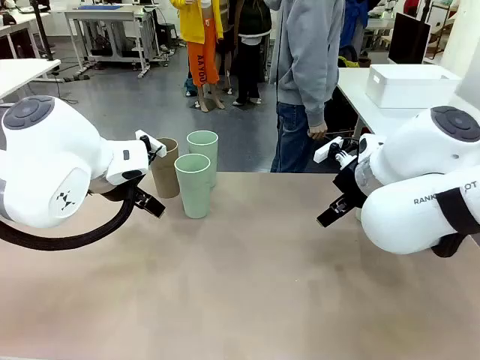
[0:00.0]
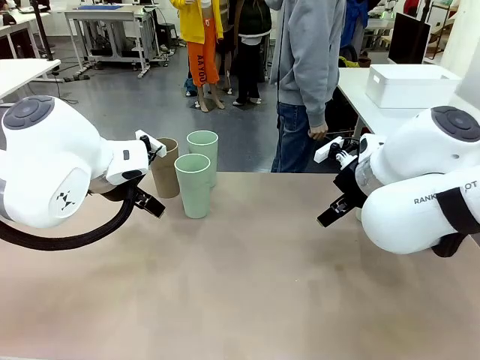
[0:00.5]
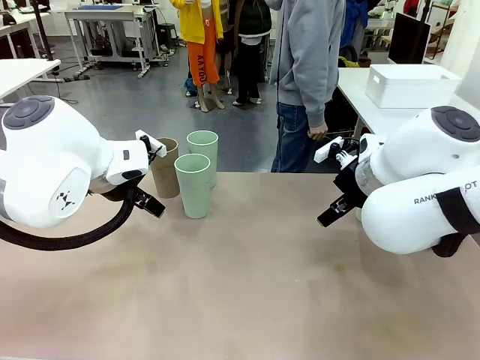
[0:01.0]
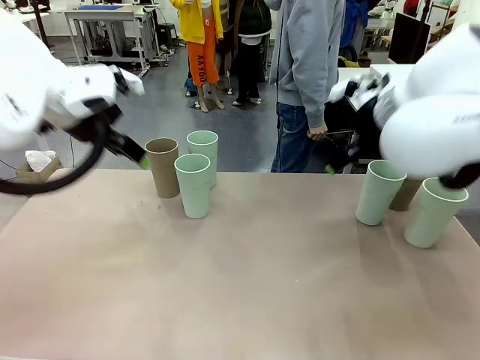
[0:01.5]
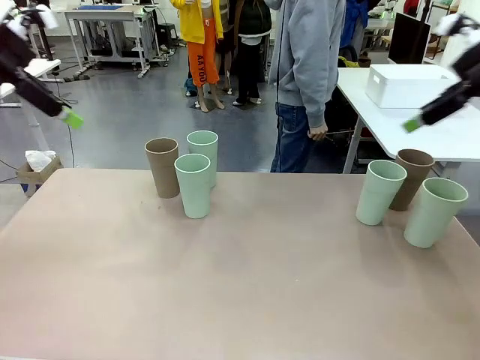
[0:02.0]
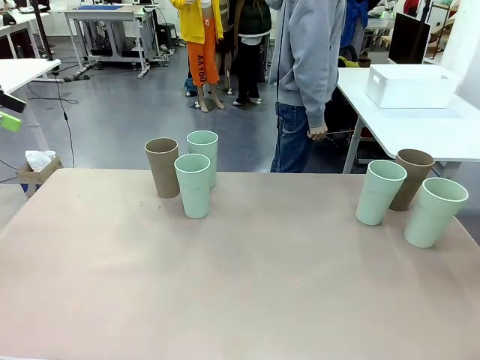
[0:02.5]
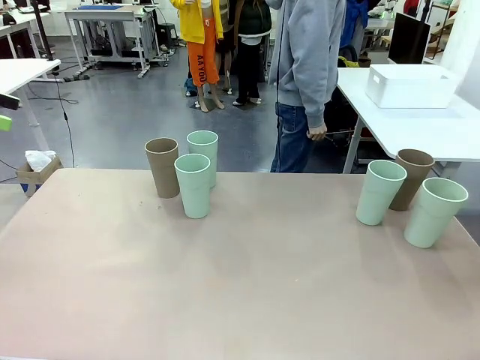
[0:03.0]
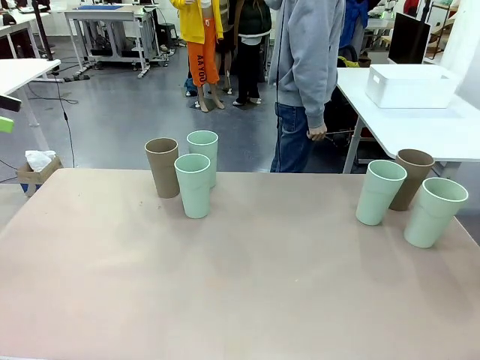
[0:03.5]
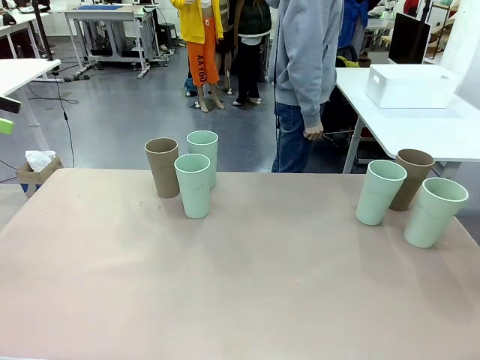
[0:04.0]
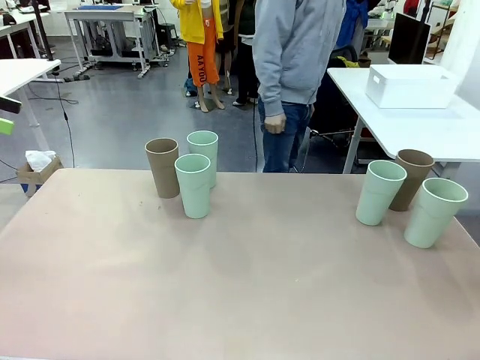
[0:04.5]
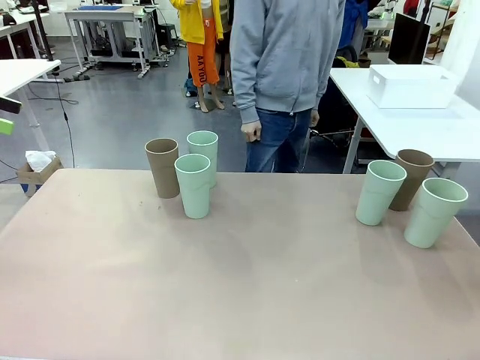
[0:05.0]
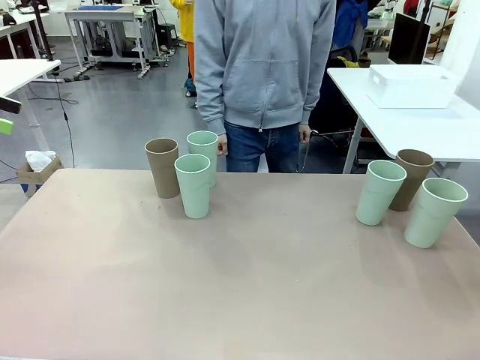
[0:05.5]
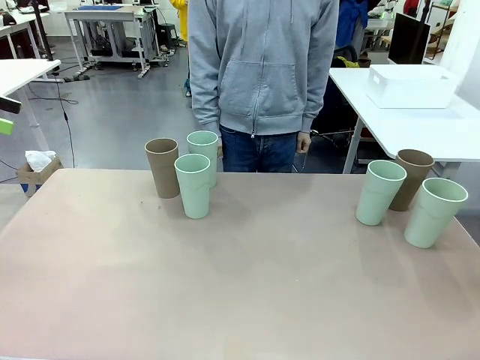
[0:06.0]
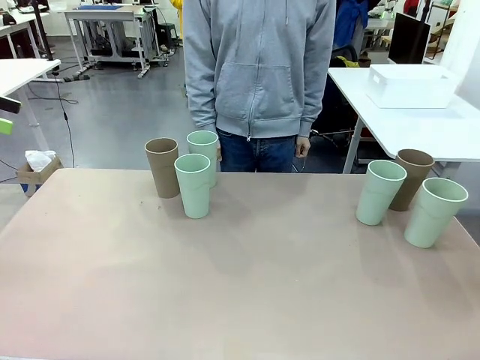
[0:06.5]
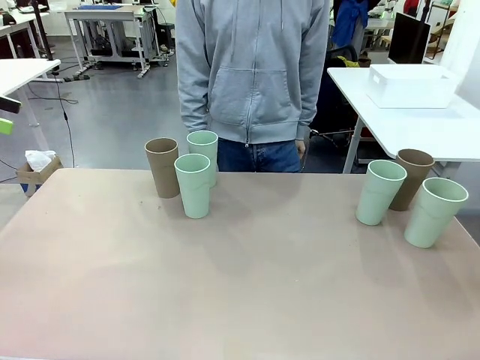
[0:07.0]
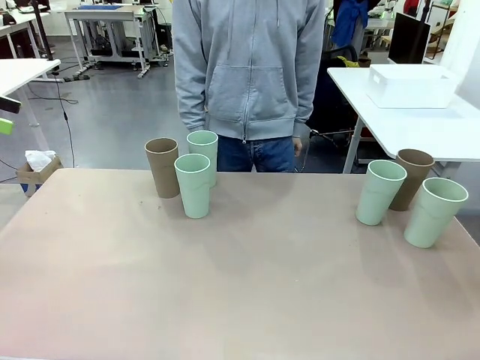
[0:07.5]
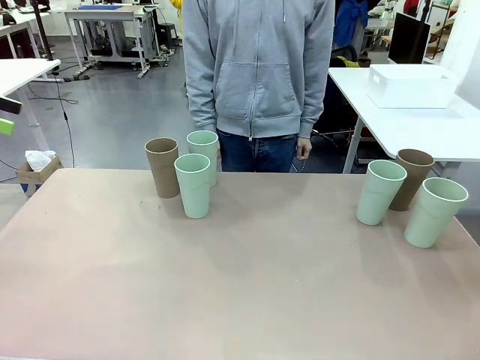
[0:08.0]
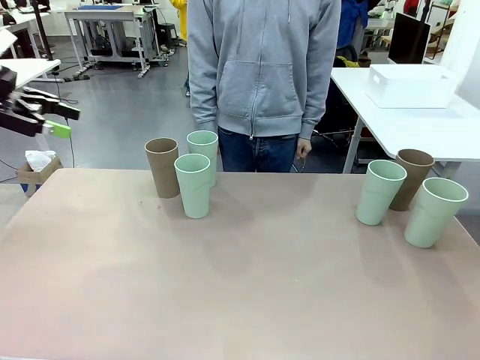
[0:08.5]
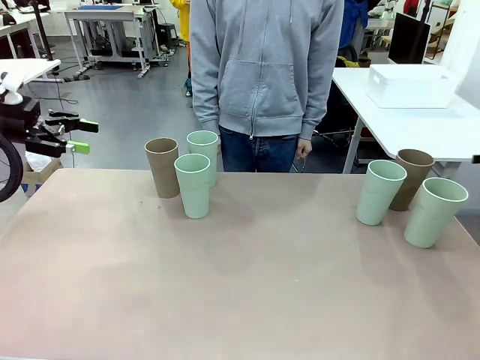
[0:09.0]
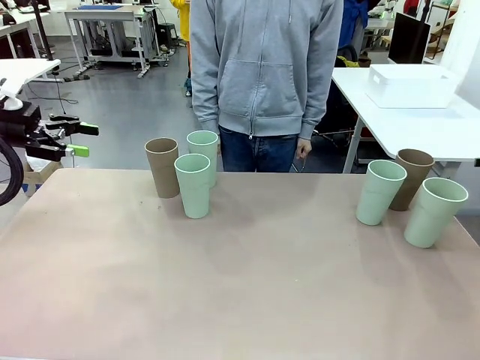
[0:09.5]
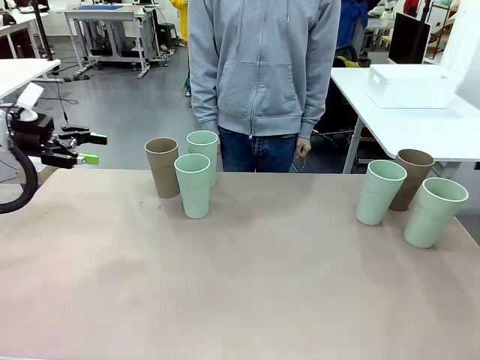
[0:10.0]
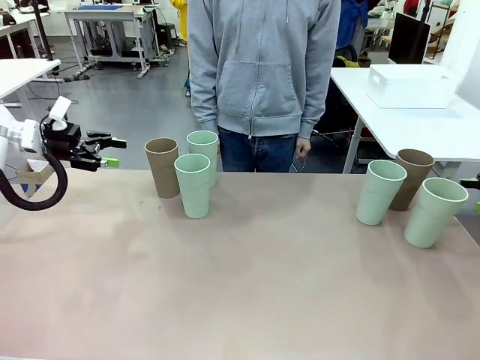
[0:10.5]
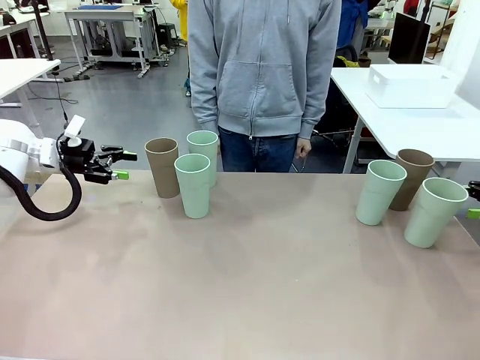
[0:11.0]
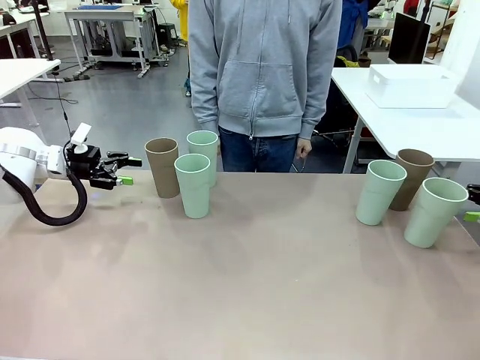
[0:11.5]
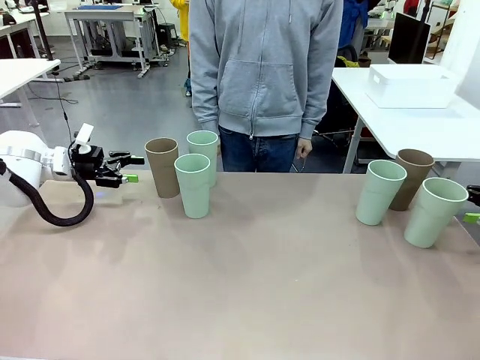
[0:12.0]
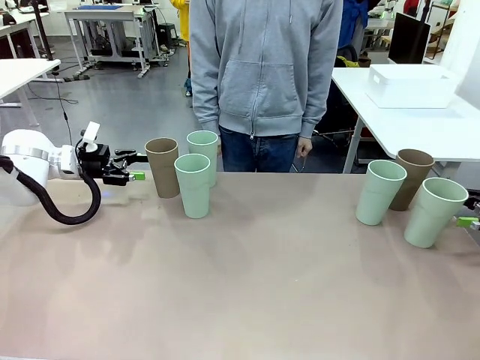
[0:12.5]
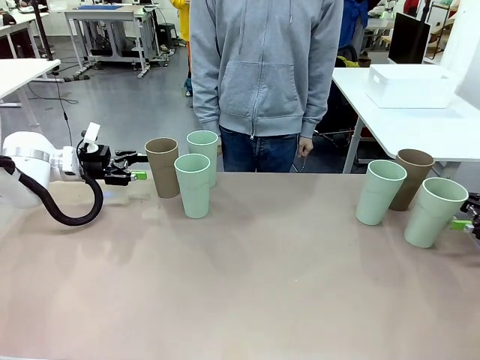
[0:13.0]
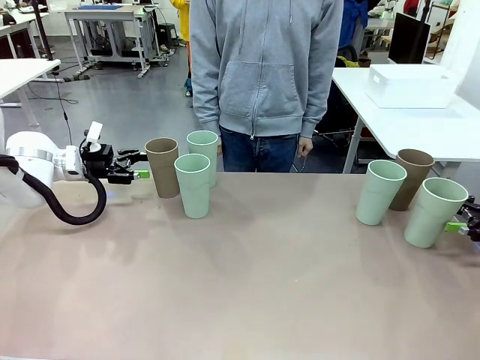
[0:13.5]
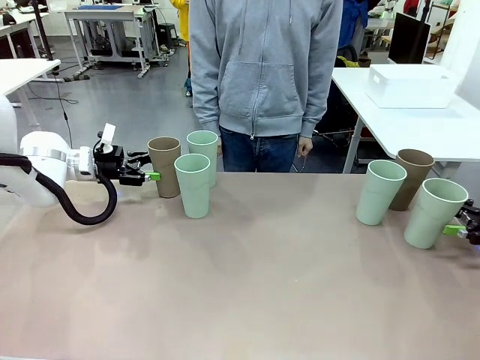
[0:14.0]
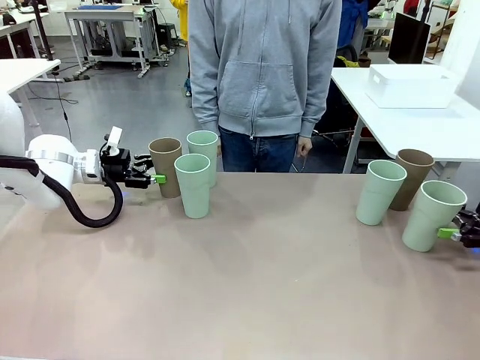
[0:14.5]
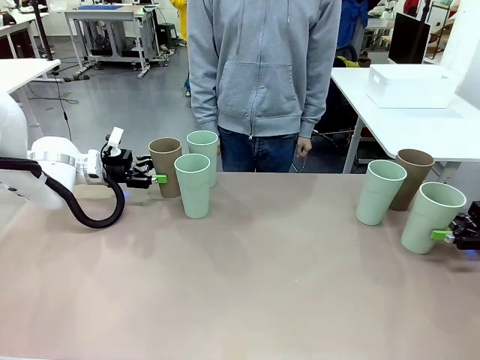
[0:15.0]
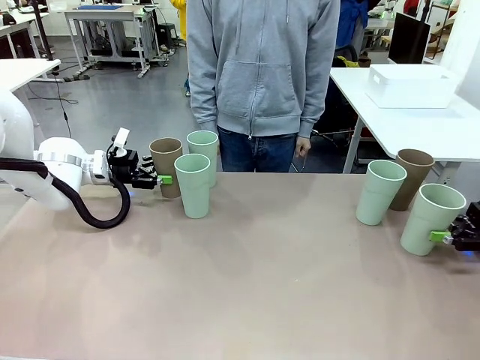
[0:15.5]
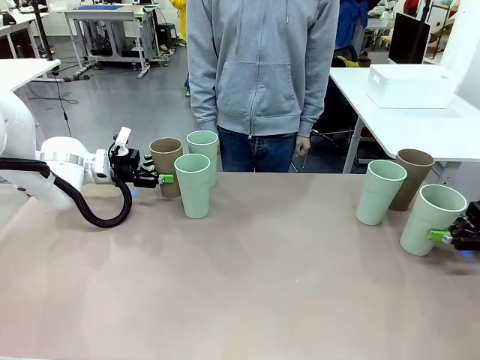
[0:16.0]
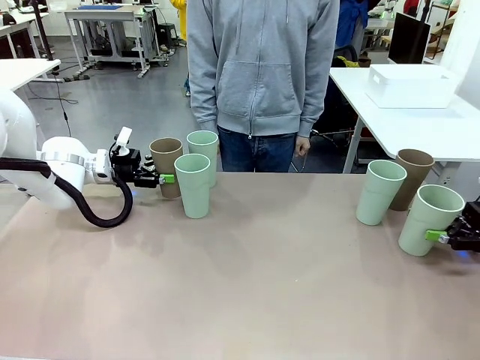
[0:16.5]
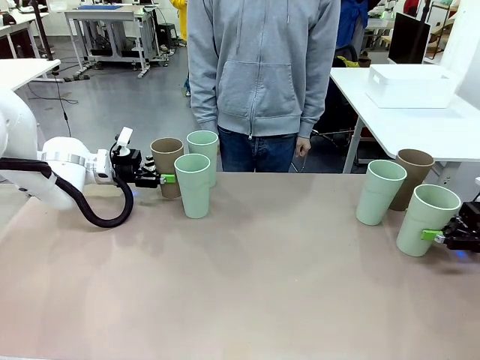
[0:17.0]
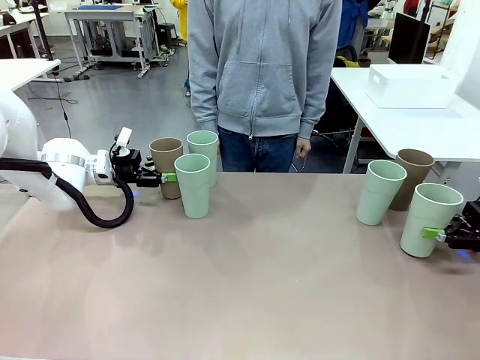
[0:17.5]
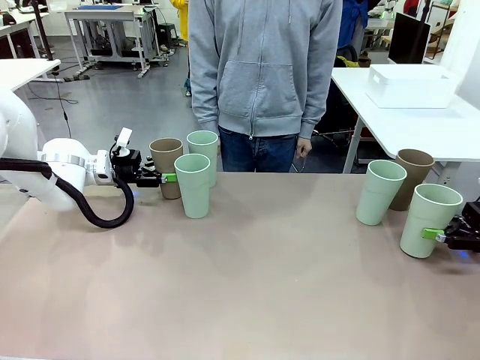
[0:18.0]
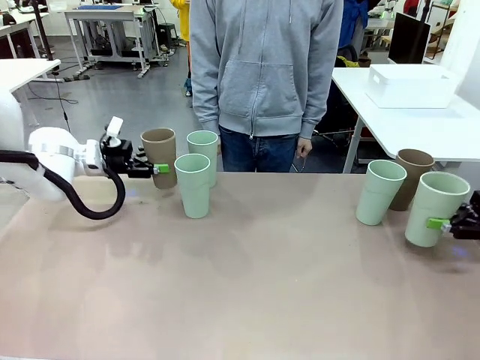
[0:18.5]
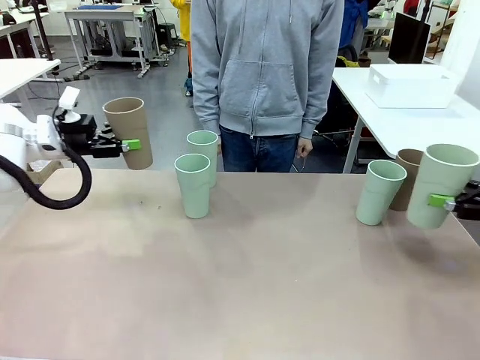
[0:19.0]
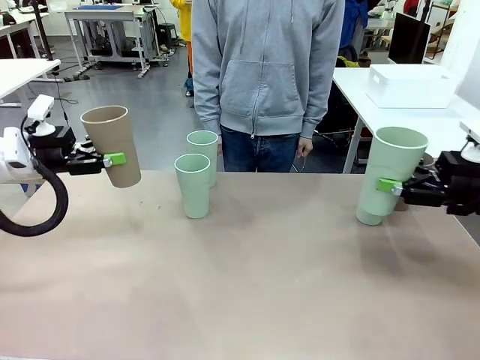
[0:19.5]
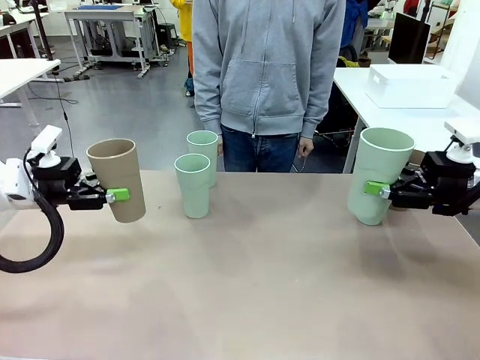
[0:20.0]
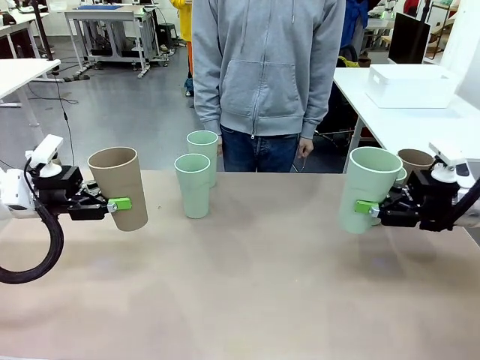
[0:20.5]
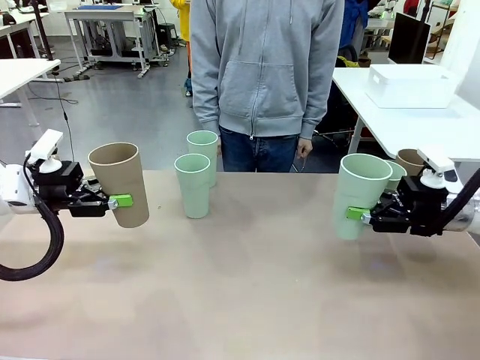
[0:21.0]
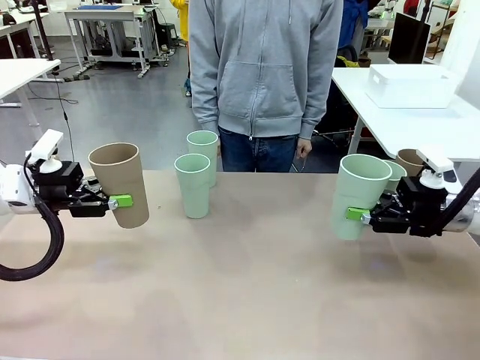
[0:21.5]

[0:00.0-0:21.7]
Task: Stack the cups and store them in the basket.
Robot: Pick up two Reusable plastic cups , one in each hand.
Person: Move from the Human Table to the front of the Robot Table. Stack two of the remaining cups on top of each cup held by the robot.
